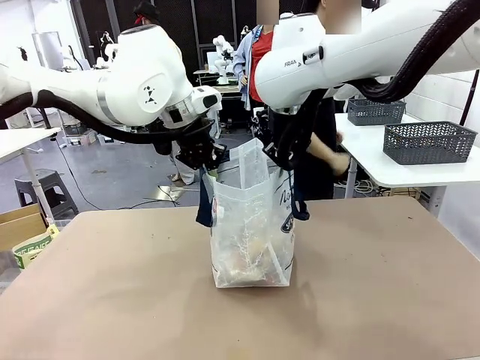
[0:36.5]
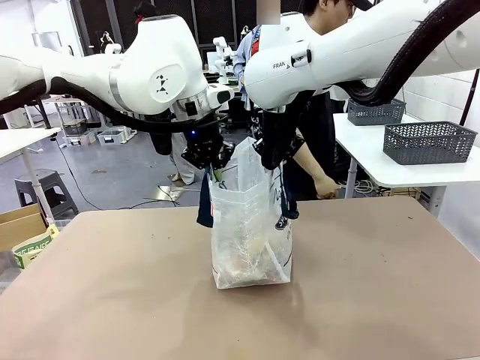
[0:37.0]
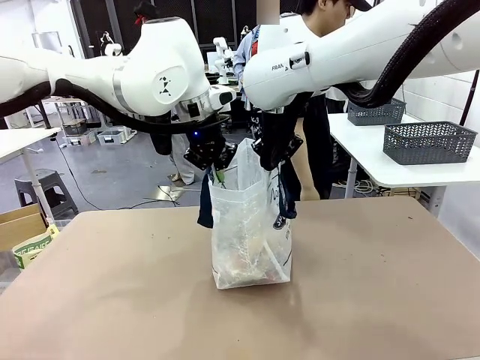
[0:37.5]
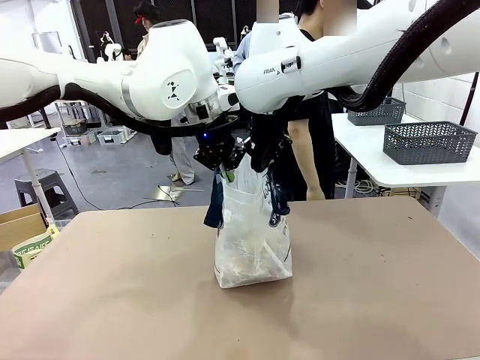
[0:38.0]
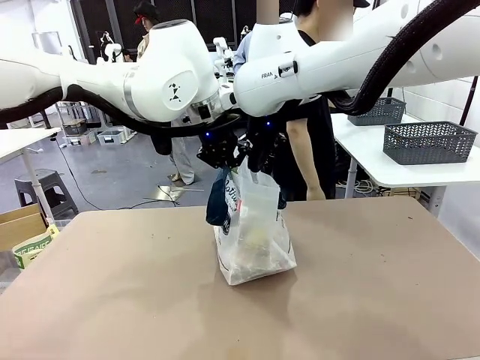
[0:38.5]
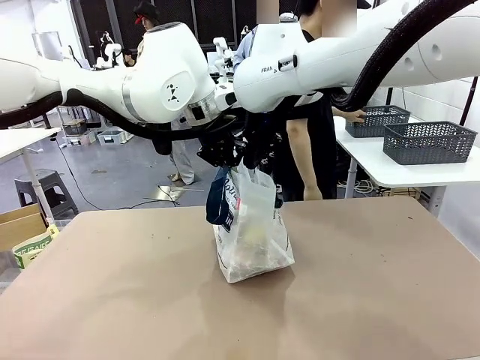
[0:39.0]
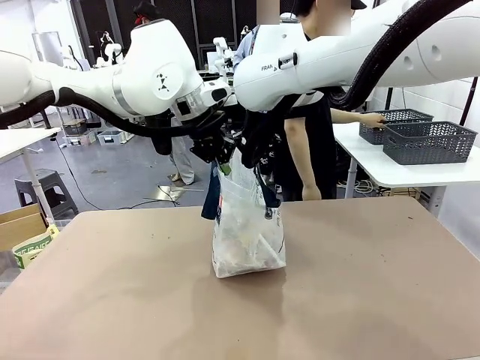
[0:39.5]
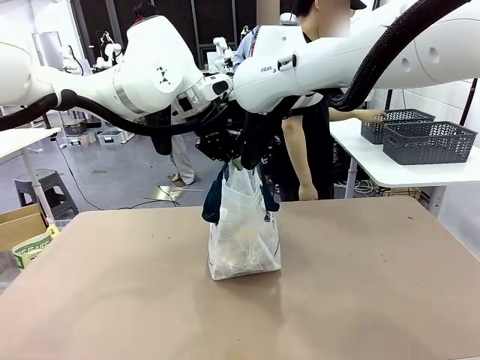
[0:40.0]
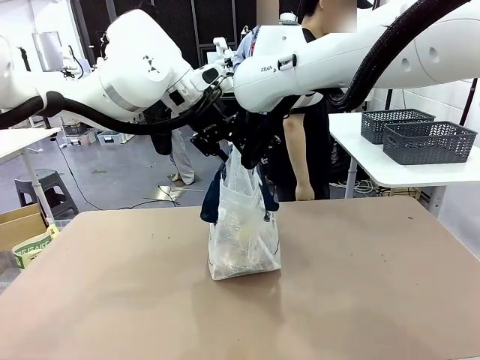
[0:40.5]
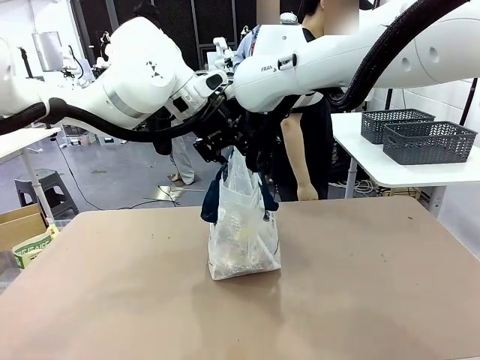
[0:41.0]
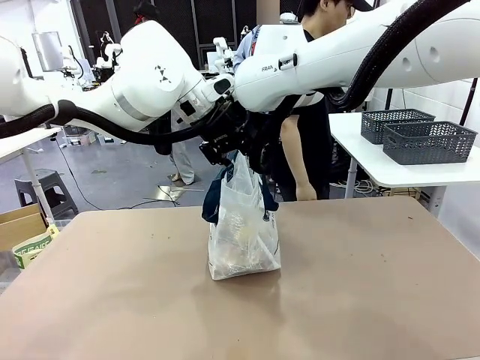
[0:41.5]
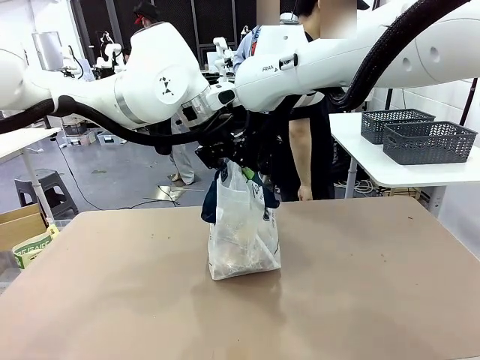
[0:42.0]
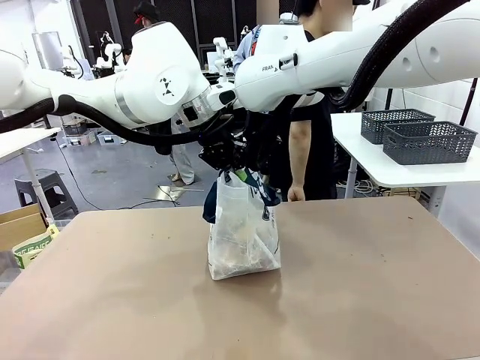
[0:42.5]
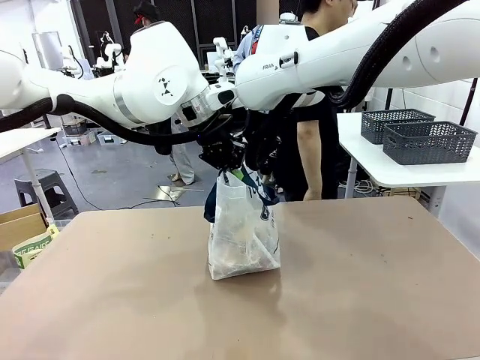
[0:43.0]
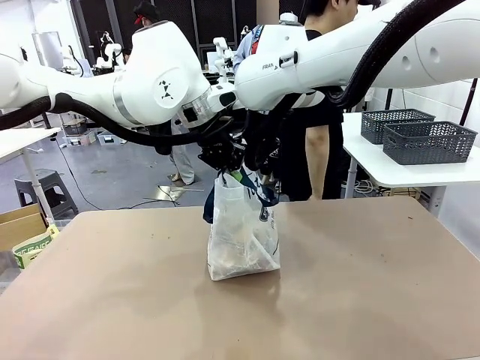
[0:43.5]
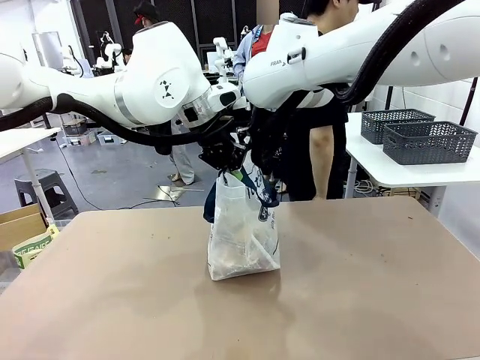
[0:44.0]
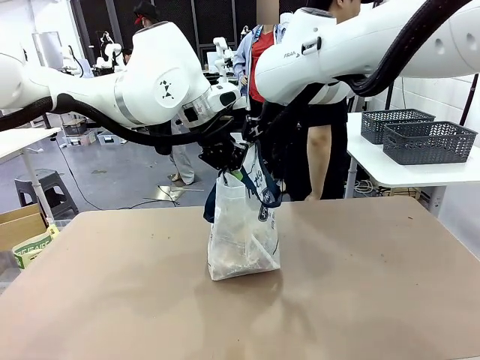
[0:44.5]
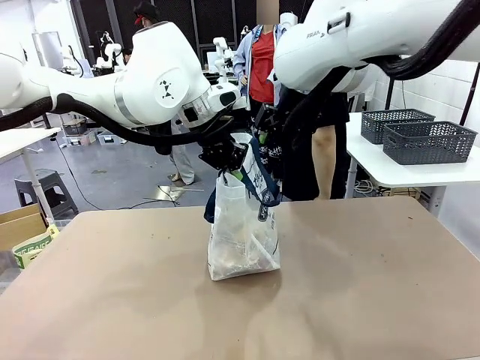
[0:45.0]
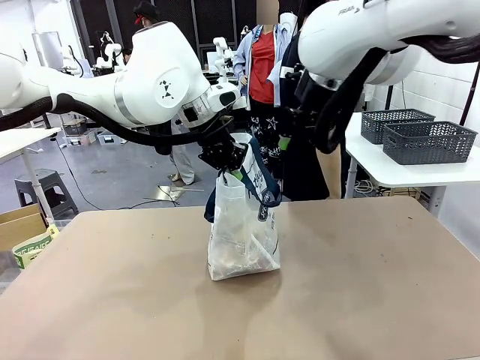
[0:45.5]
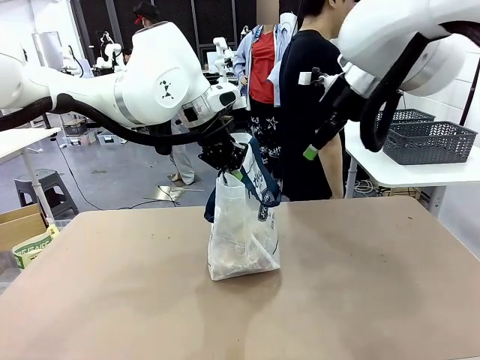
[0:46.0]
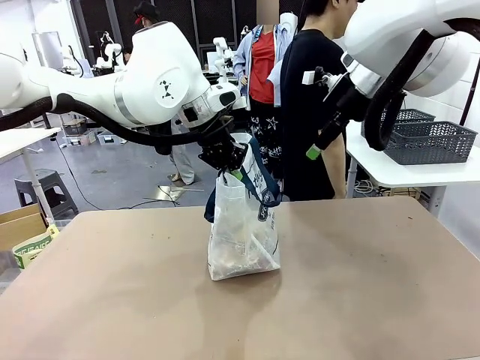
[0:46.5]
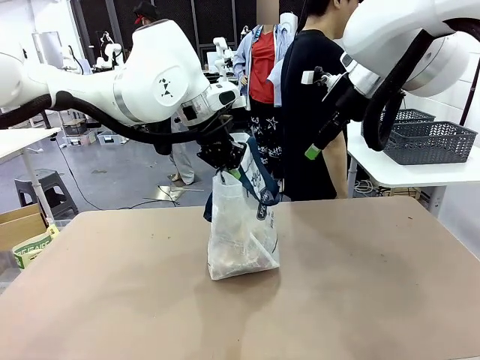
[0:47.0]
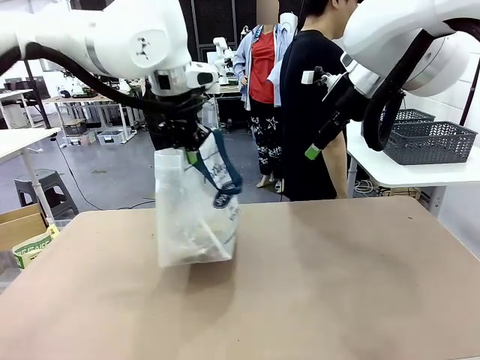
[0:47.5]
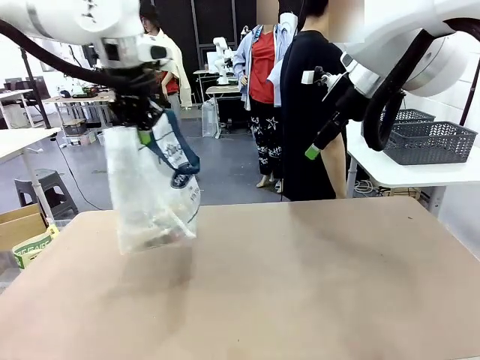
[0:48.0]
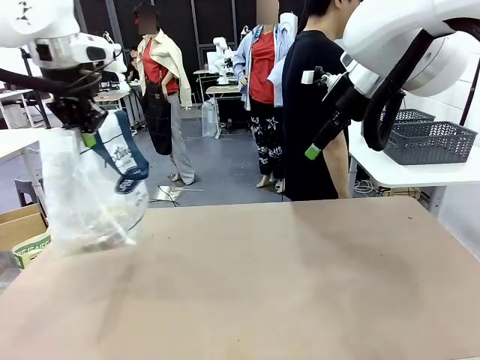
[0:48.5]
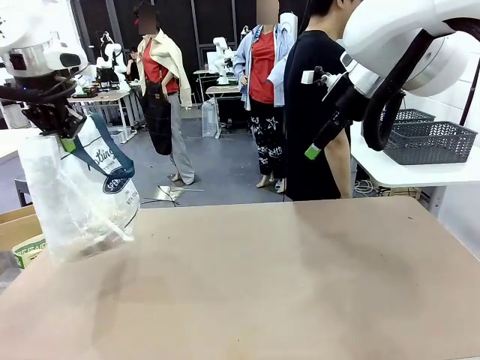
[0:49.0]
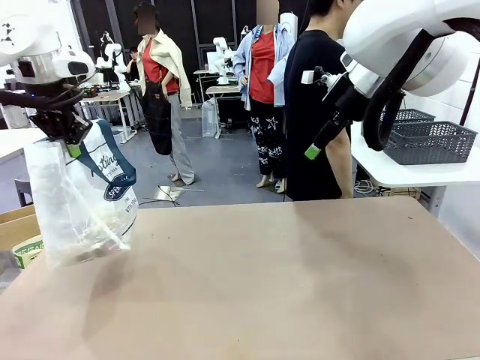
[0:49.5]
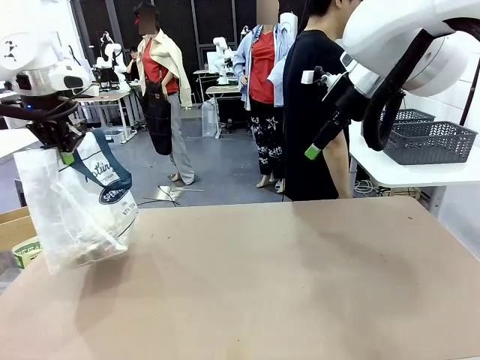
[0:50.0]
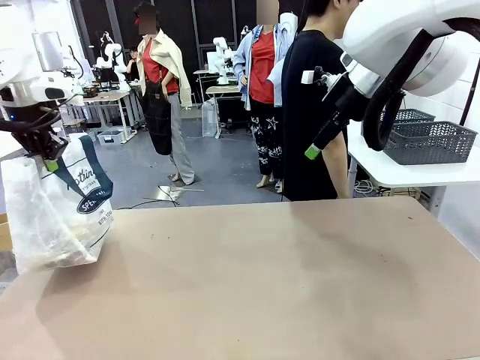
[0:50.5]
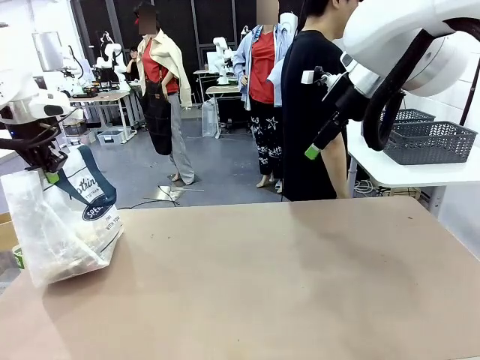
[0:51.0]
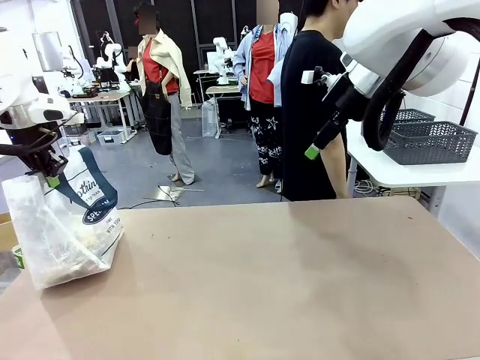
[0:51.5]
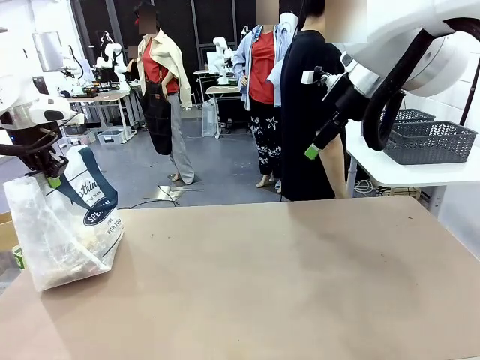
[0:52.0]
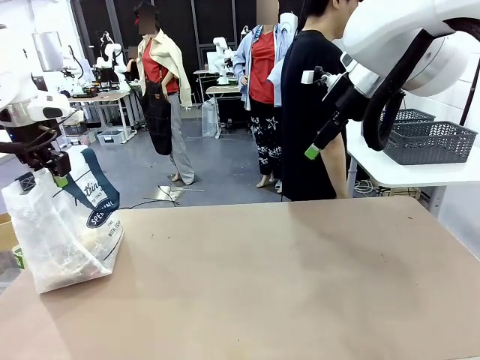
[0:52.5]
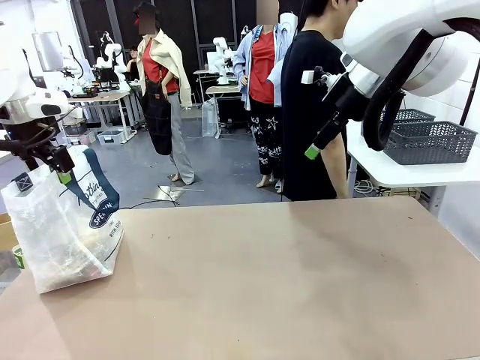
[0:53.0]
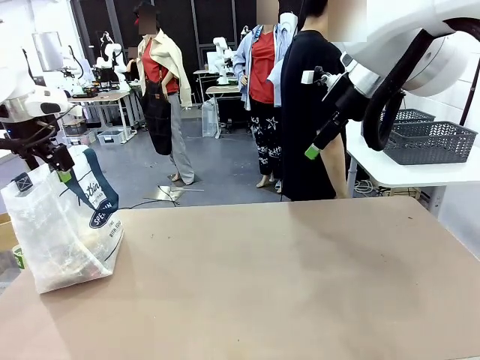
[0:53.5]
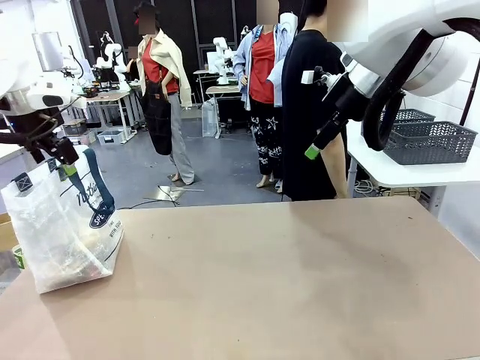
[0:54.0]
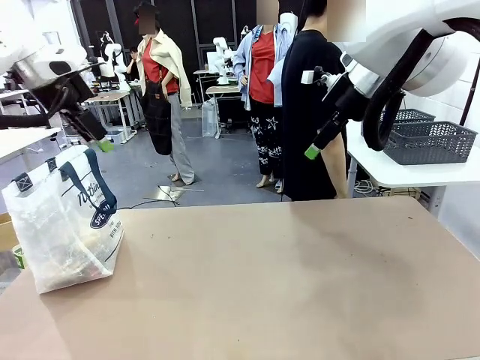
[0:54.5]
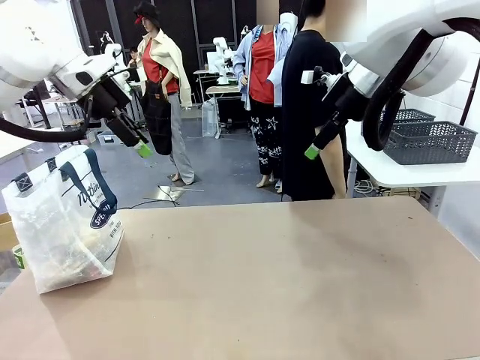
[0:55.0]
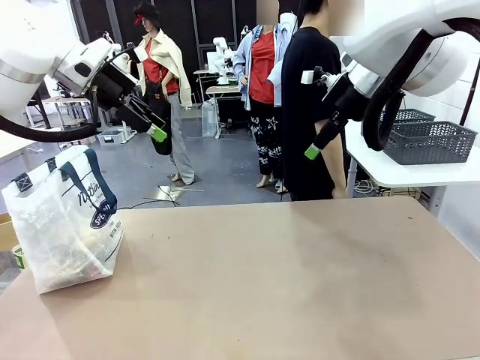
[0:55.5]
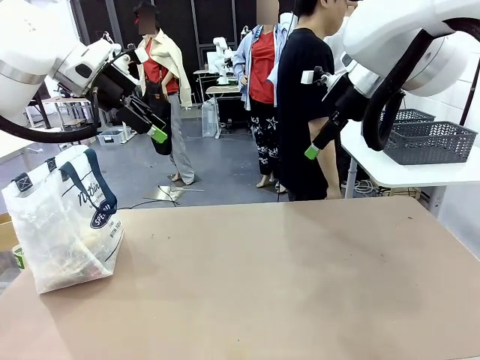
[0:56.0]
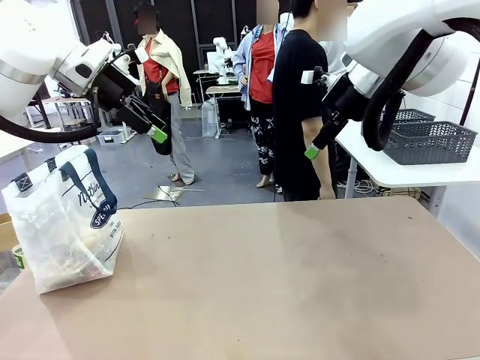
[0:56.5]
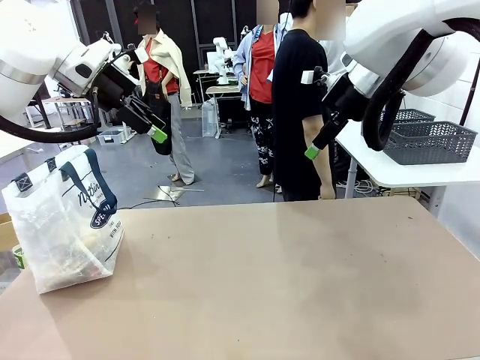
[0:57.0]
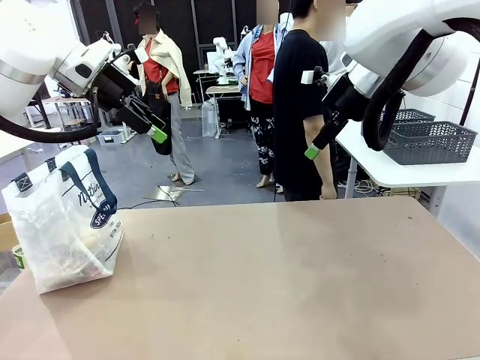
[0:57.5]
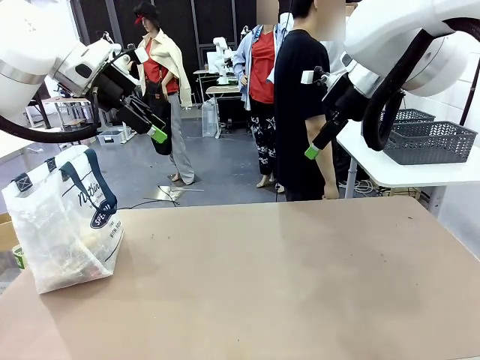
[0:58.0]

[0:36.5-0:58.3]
Task: Transfer purchased items from the store into the shopping bag.
Robot: Move the Reusable shopping bag to the right side of the table.
Person: Move the basket on the left to the middle of the person's table.
